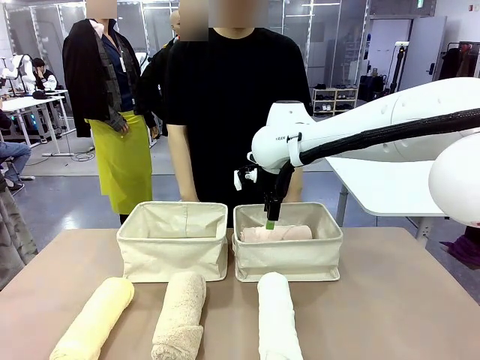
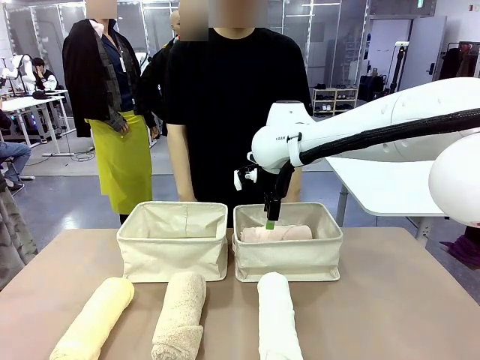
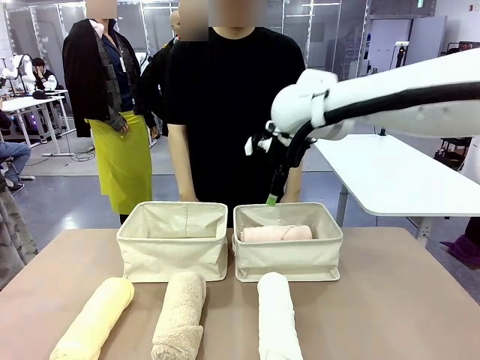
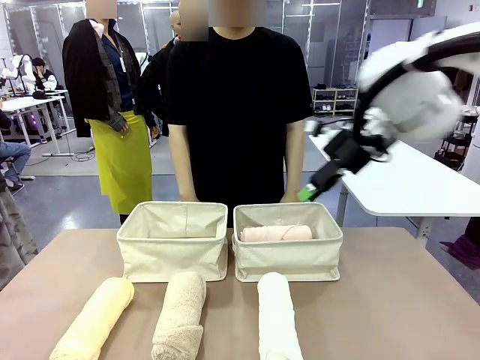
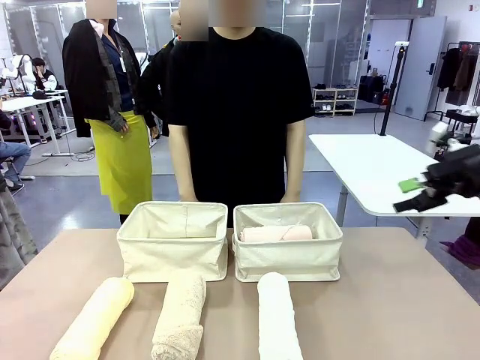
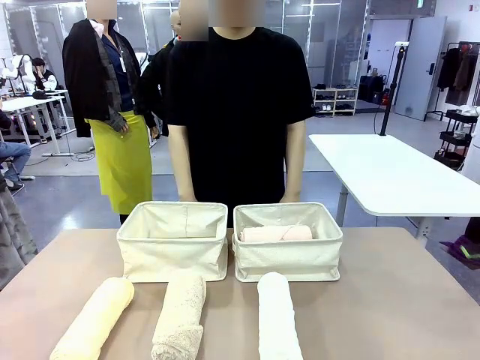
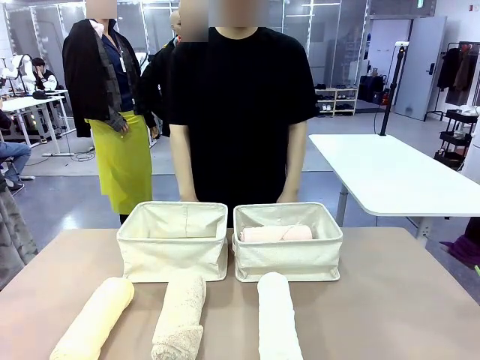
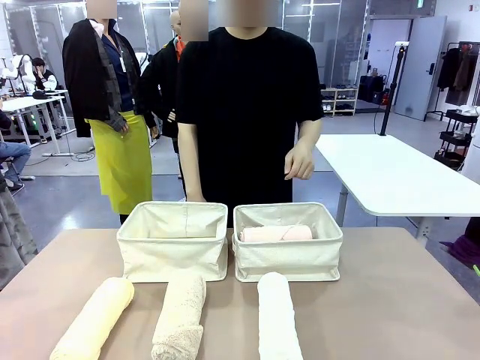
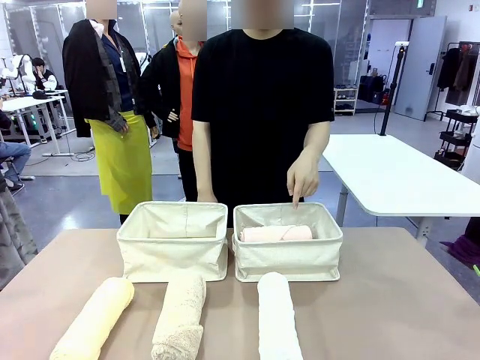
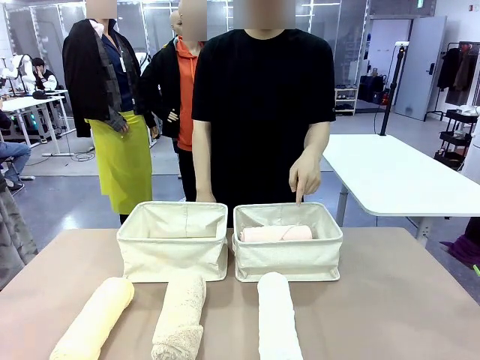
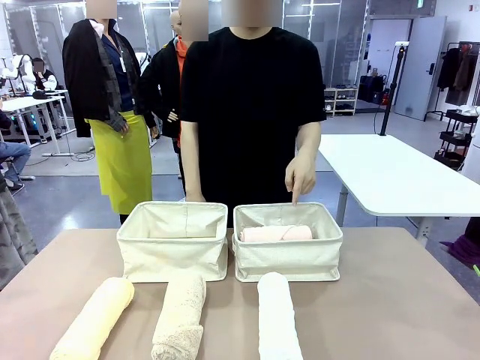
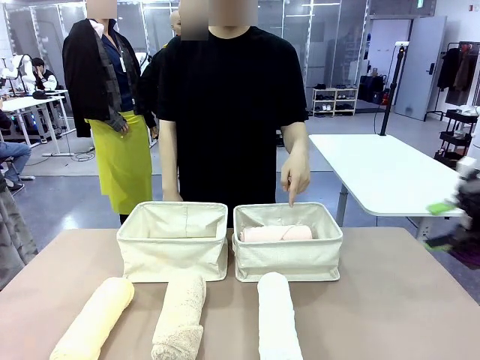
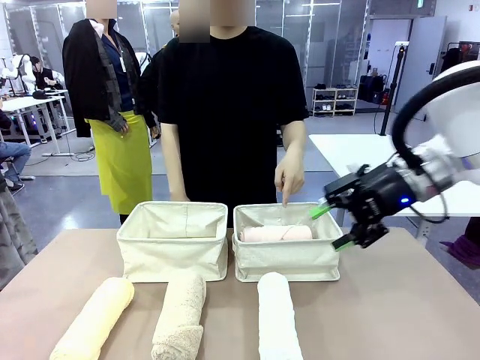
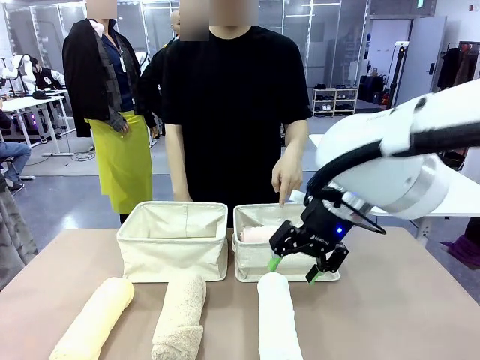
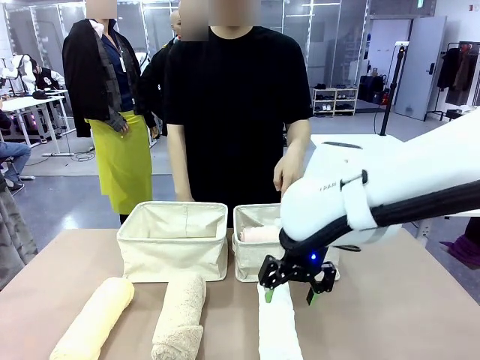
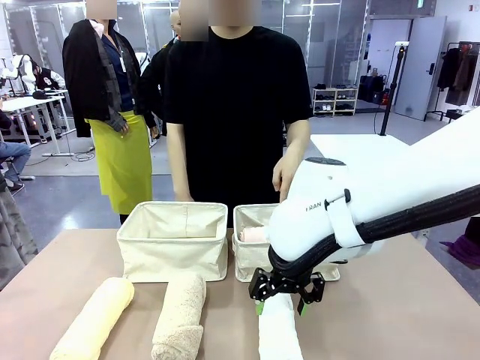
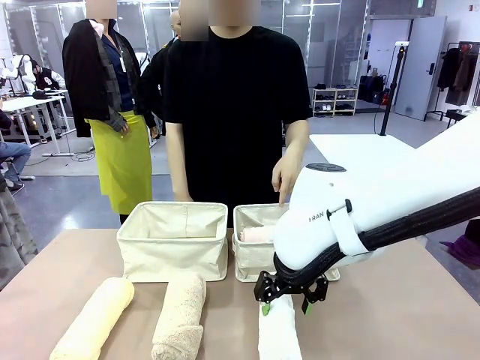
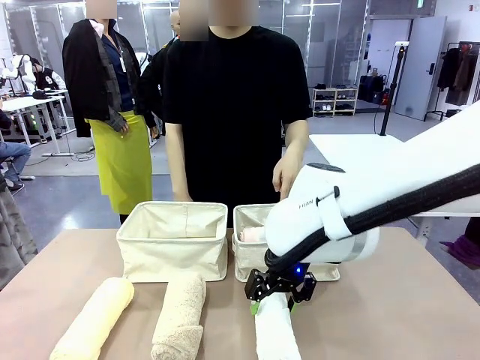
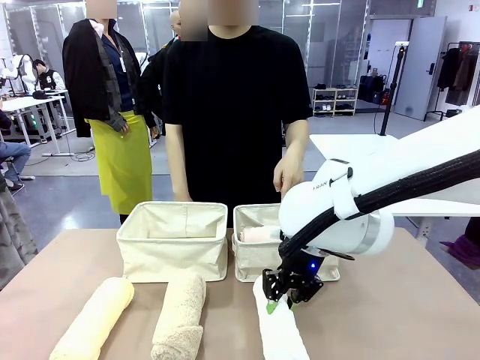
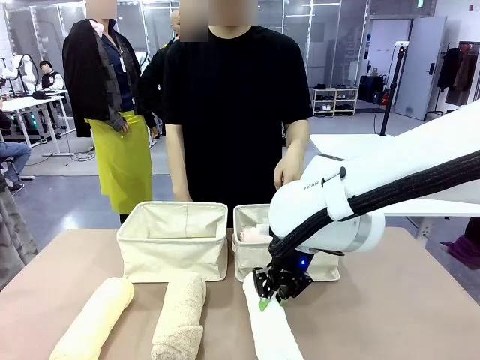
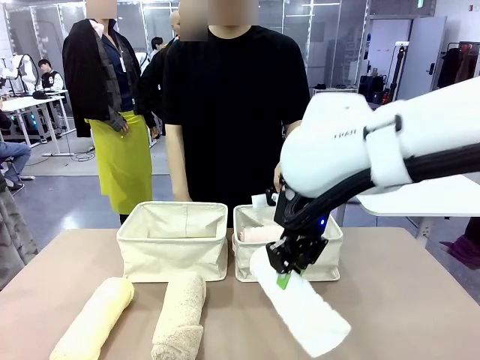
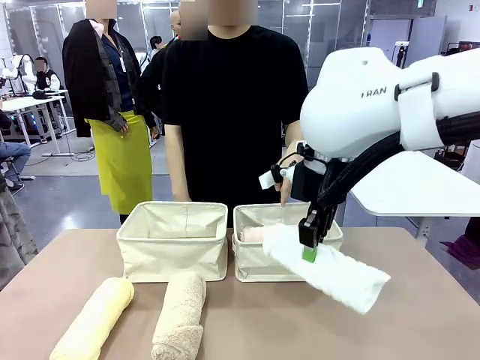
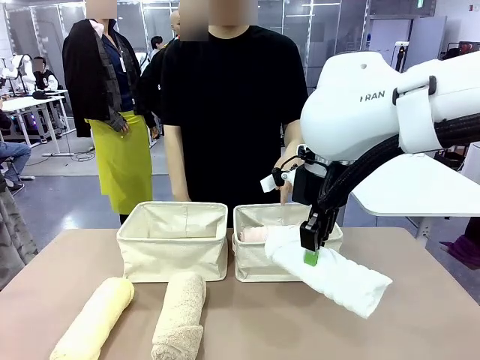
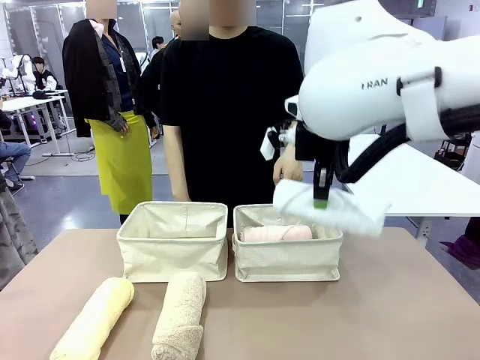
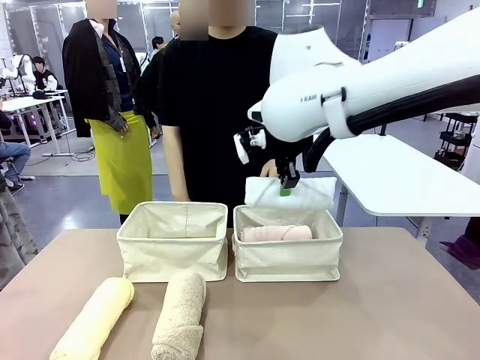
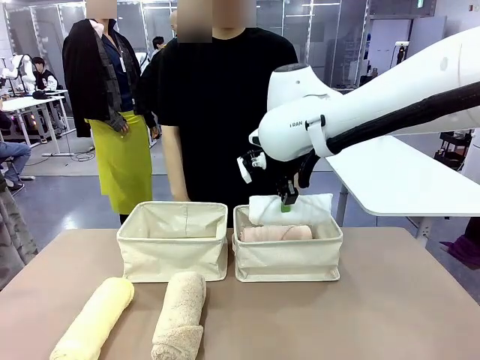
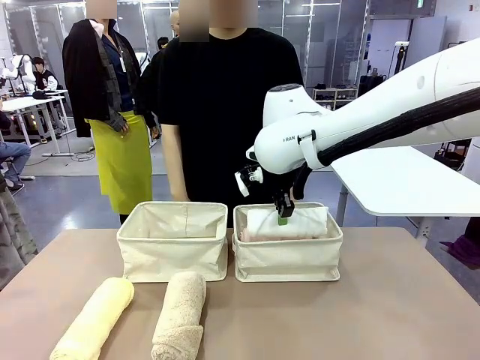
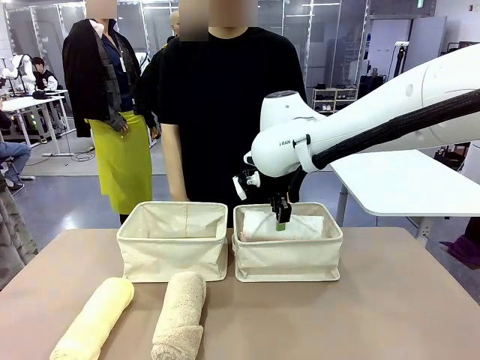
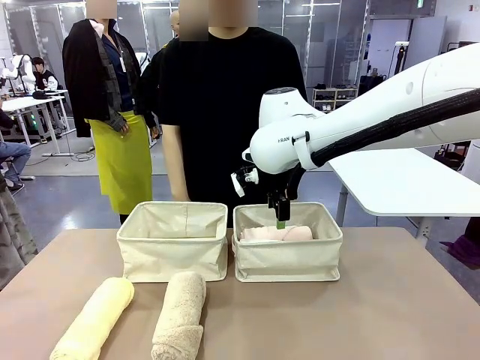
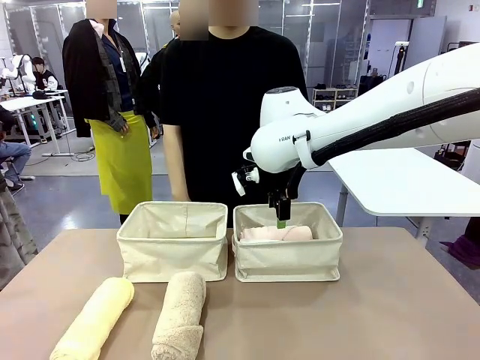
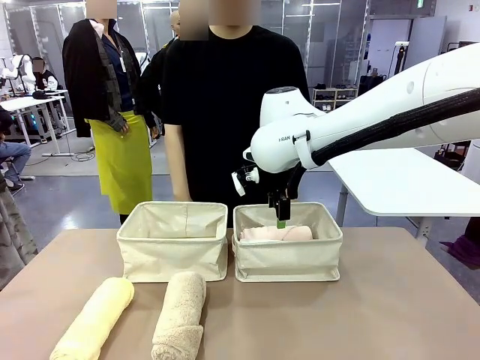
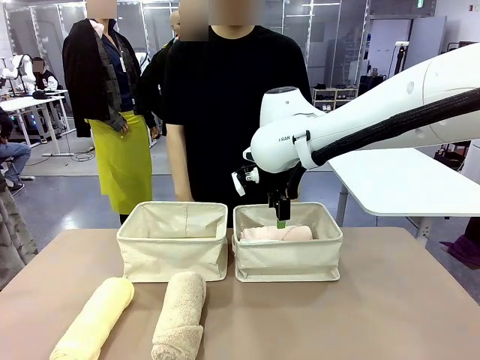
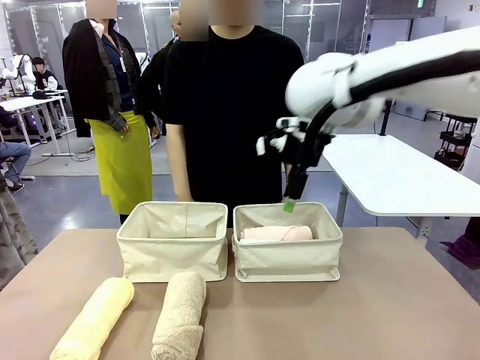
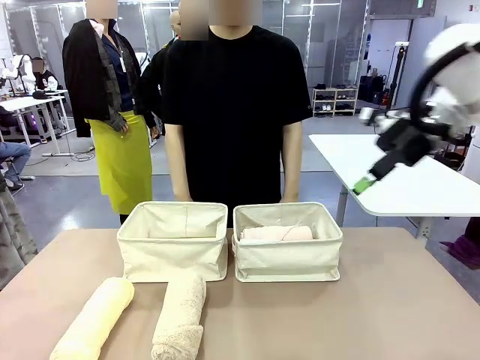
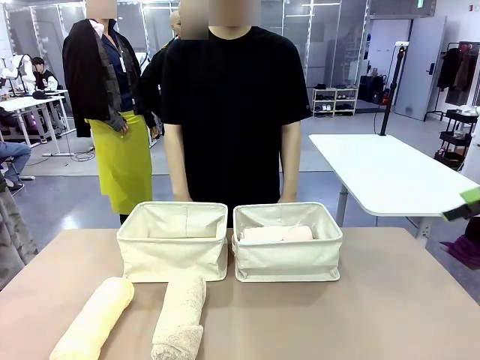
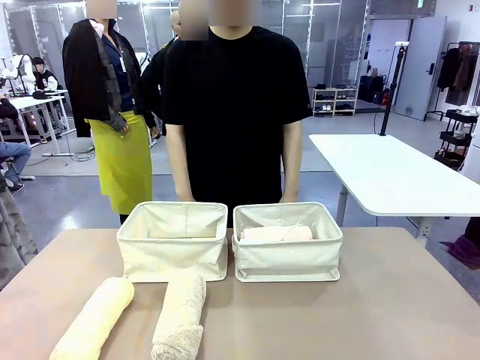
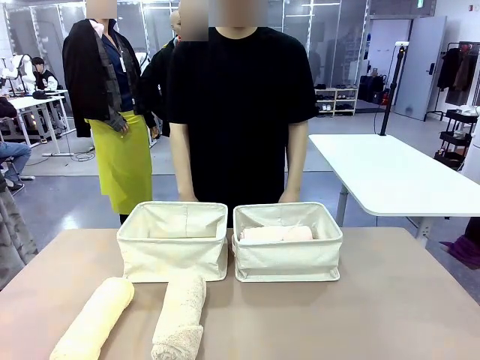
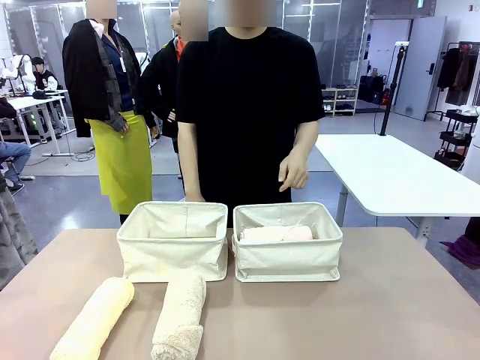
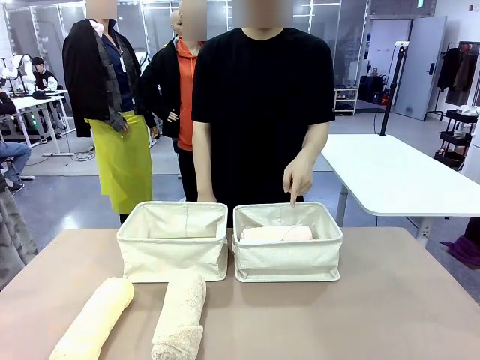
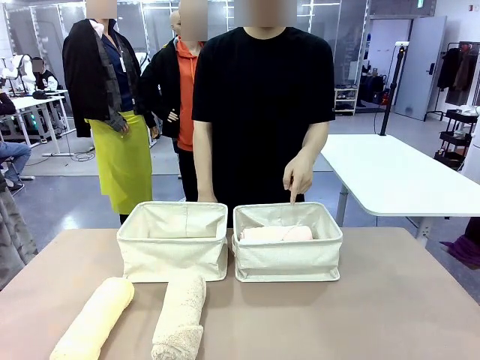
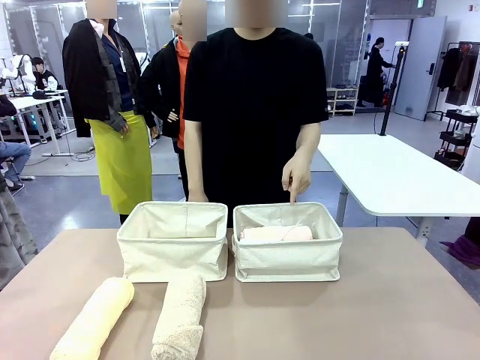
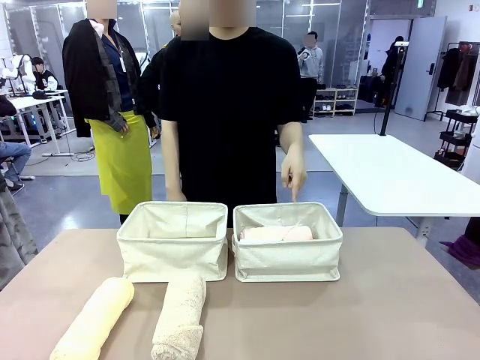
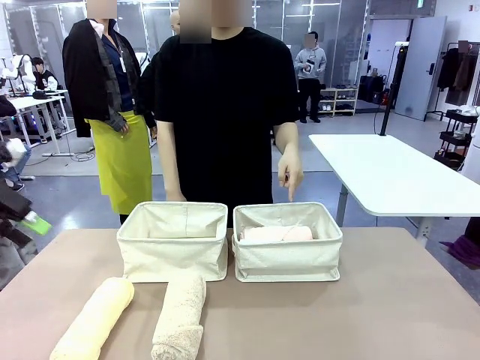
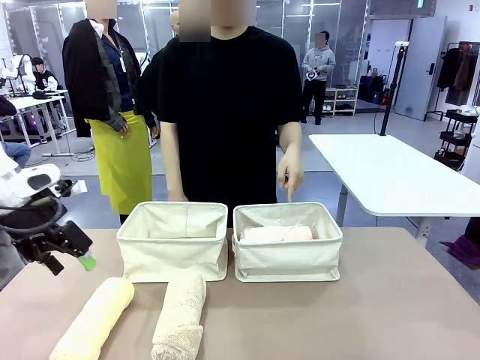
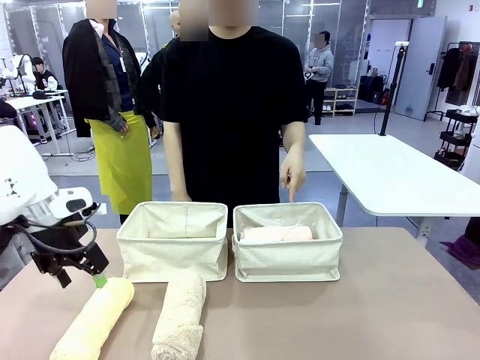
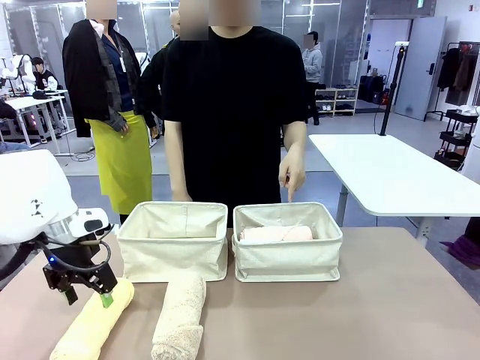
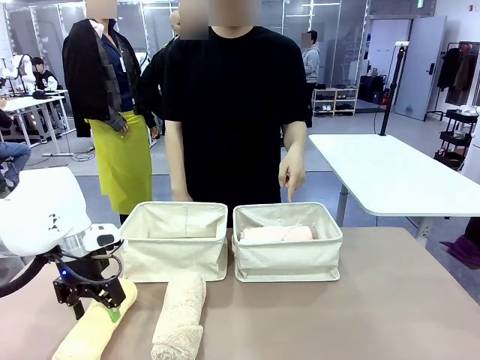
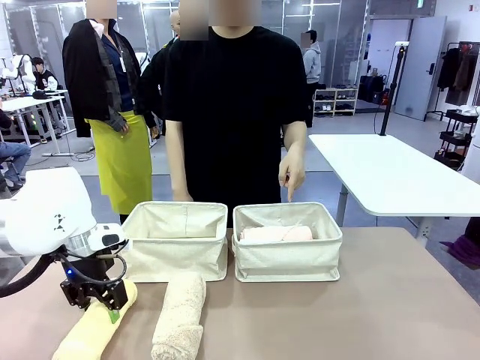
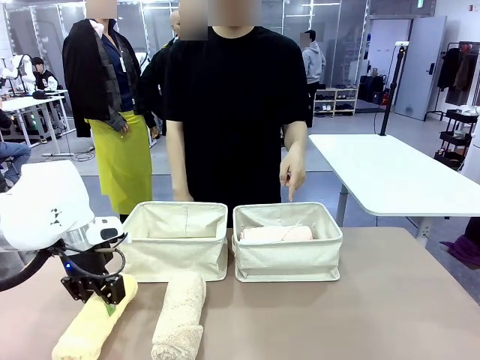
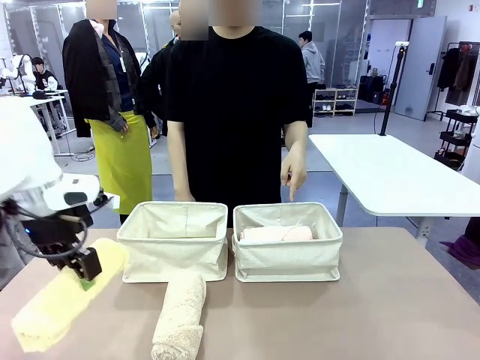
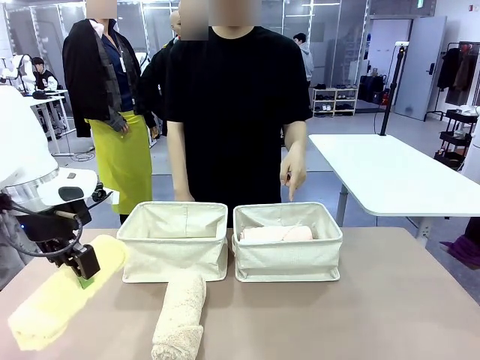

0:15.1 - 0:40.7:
Task: Divide the towels into two baskets.
Robot: Pick up one hotel-folded towel from the bottom of the table and place it in the Fabric basket indicated by the person.
